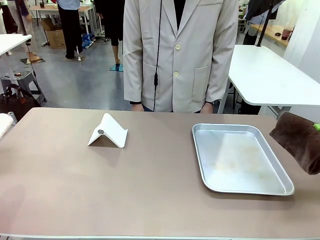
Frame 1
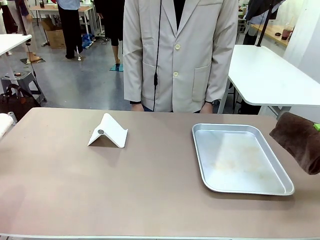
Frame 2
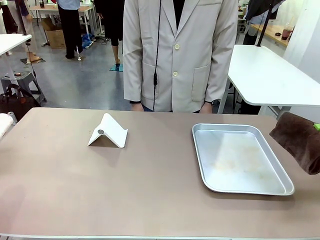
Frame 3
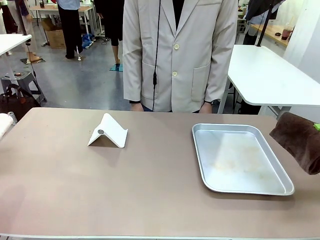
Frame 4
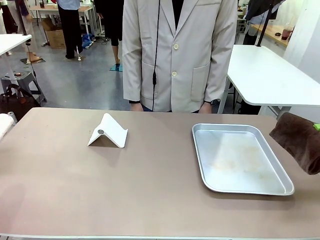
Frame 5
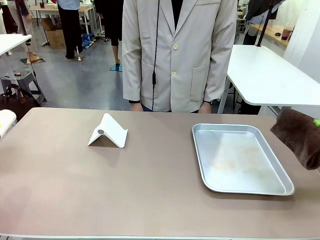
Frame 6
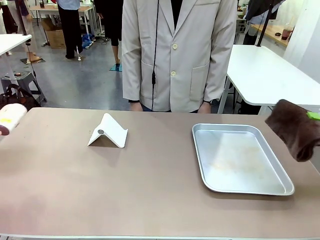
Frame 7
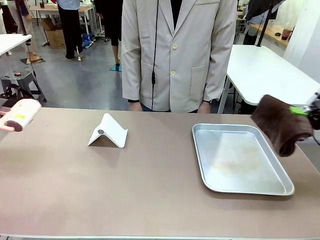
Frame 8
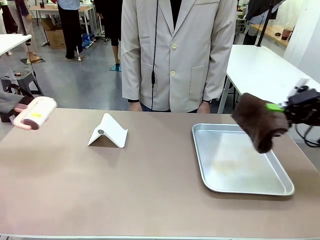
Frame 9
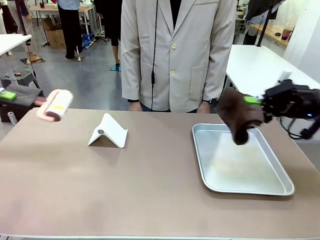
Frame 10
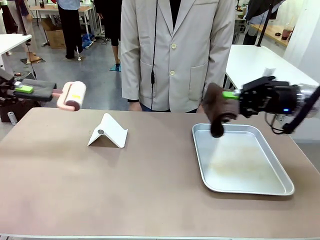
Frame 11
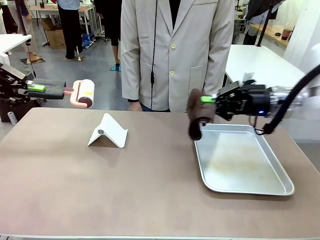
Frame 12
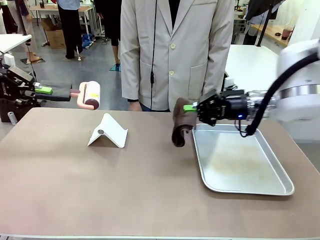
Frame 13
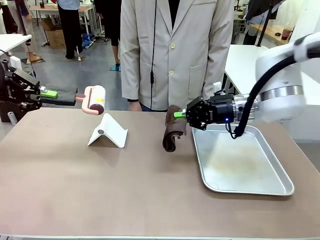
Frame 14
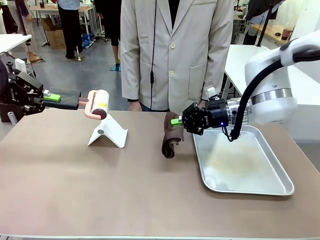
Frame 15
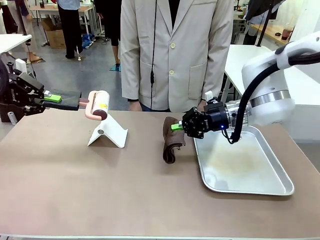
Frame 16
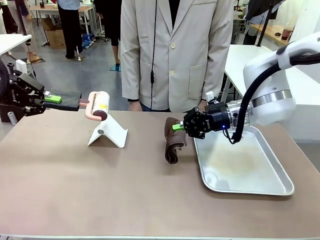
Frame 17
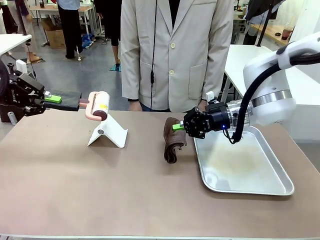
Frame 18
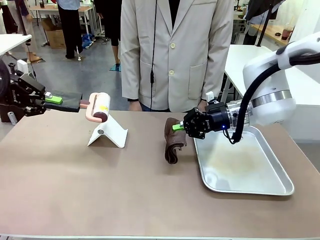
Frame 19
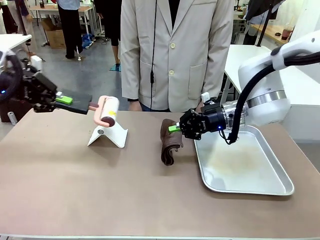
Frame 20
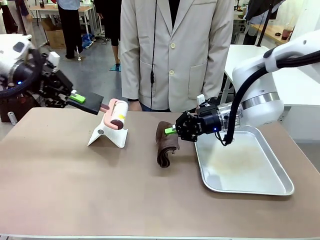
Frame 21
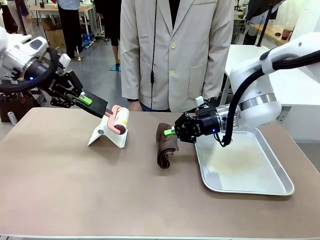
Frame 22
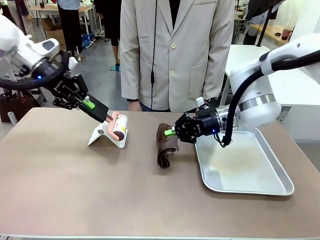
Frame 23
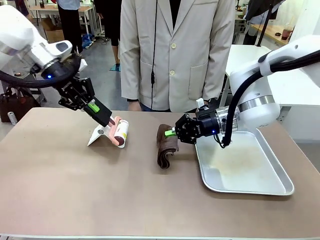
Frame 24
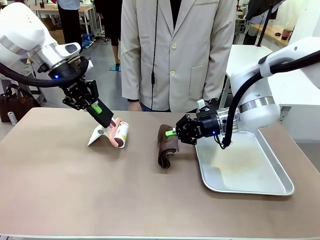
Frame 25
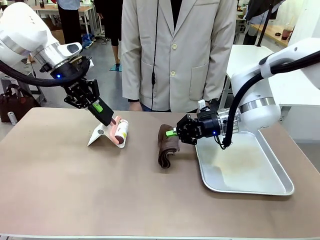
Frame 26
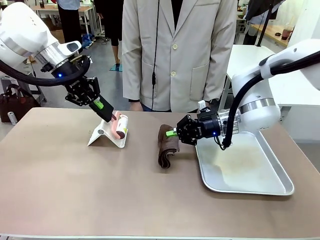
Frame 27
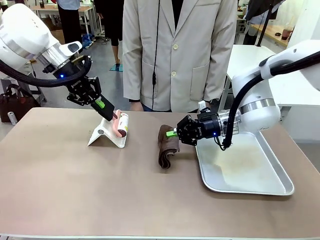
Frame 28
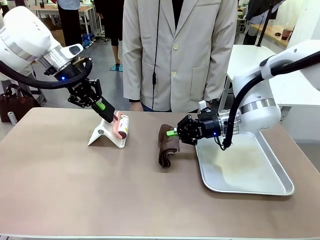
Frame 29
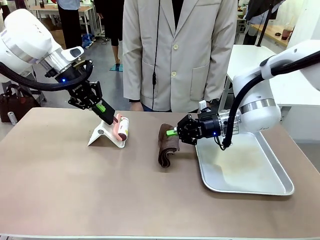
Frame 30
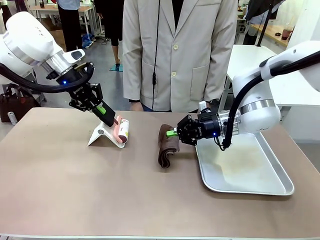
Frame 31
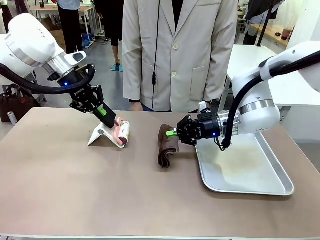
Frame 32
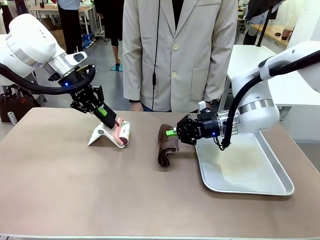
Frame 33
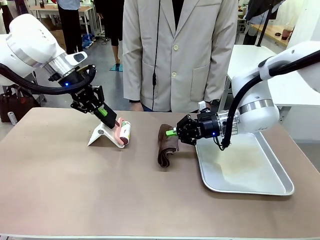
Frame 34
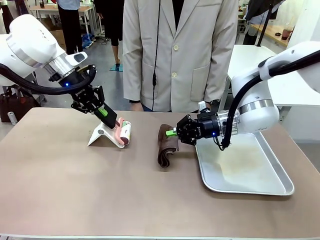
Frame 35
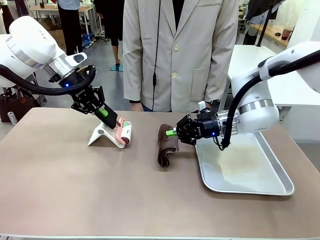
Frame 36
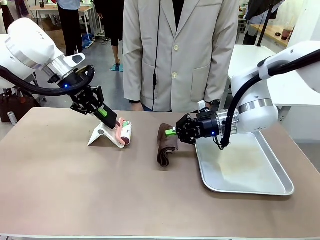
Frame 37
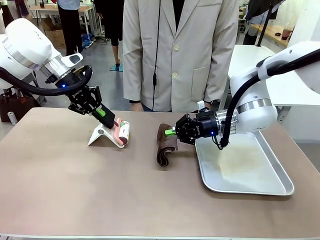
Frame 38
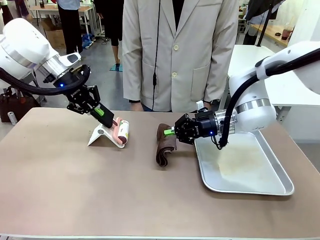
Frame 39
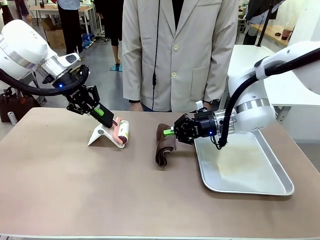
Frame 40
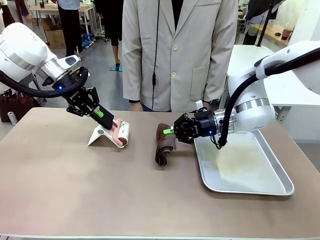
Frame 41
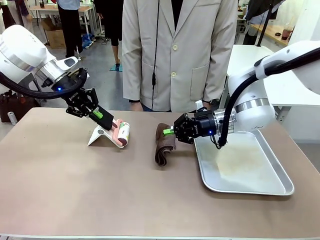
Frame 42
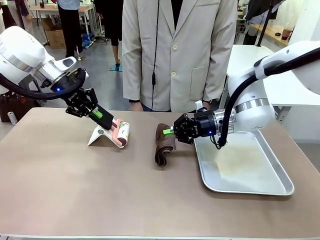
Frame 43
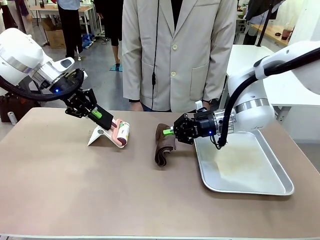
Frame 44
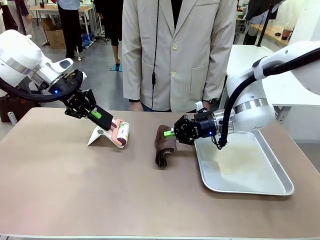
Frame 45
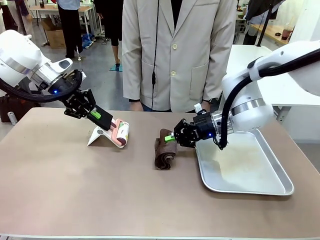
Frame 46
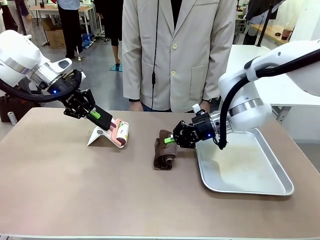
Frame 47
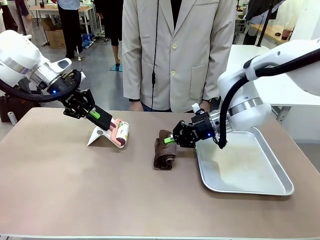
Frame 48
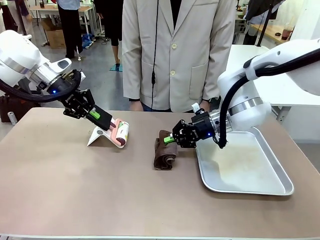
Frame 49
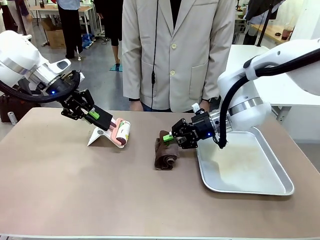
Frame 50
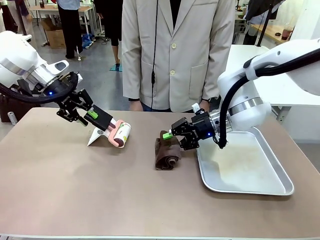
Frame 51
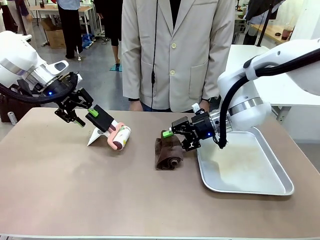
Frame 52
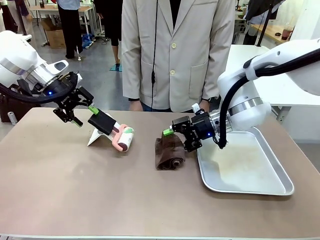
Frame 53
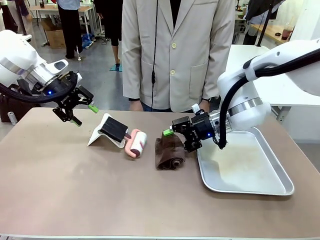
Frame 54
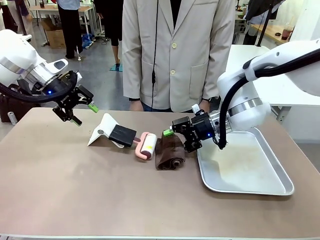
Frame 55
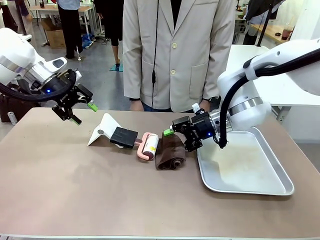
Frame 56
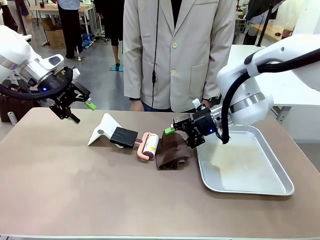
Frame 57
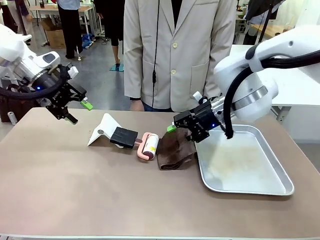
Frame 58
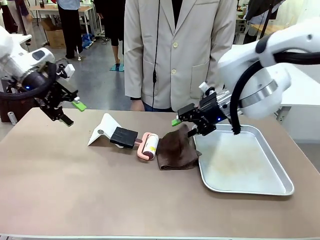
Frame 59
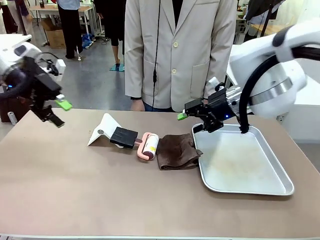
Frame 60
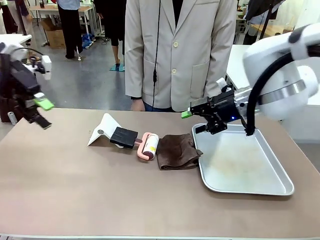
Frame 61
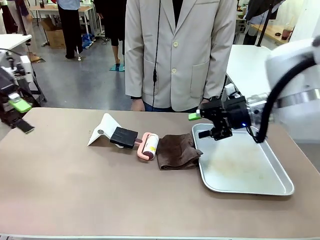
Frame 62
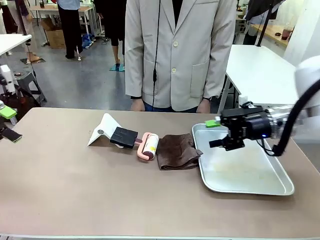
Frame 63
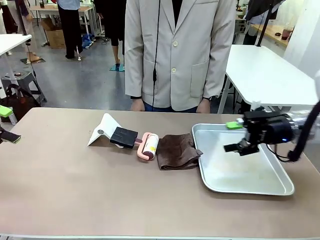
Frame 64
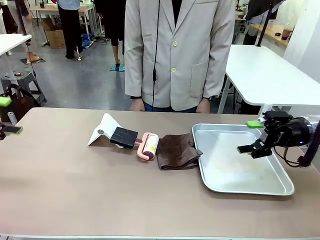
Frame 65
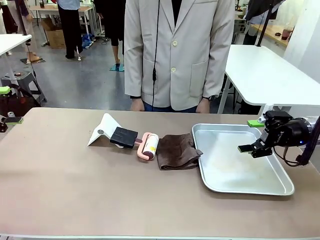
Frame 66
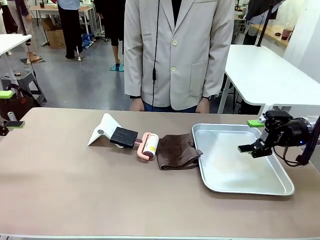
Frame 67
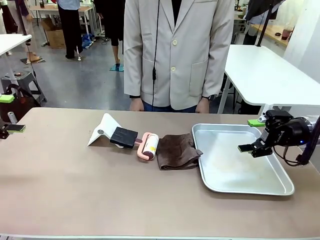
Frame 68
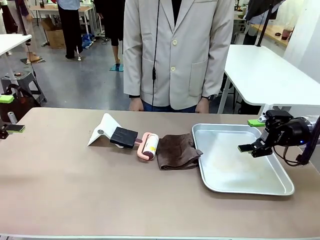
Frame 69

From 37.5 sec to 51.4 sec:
Task: Clean the surface of the table.
Robot: Return the Lint Roller and towel to their original positions.

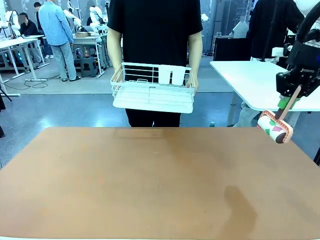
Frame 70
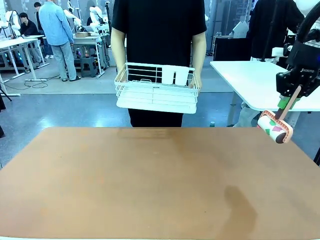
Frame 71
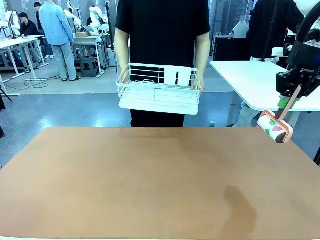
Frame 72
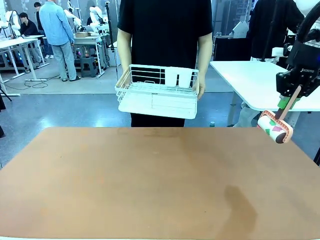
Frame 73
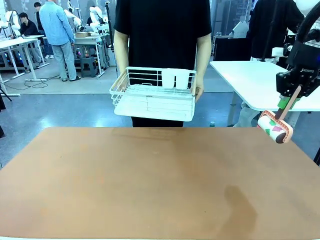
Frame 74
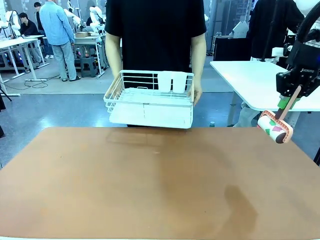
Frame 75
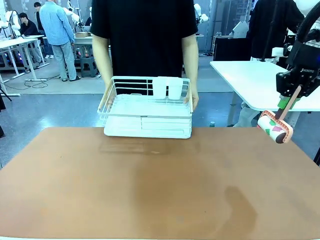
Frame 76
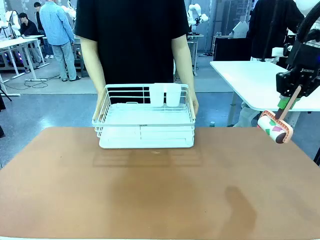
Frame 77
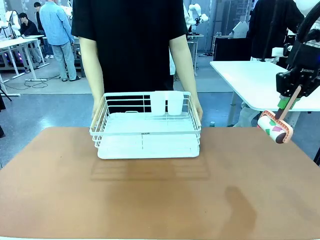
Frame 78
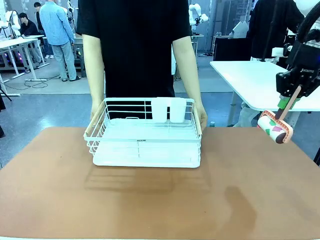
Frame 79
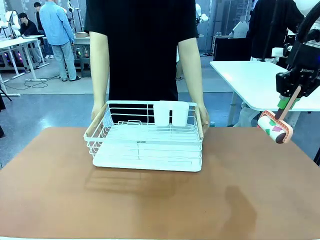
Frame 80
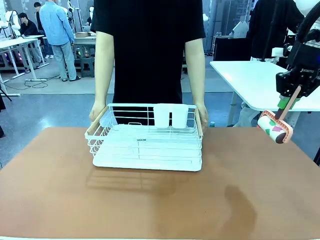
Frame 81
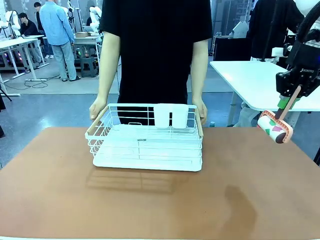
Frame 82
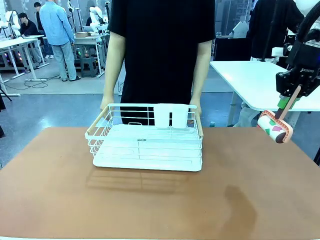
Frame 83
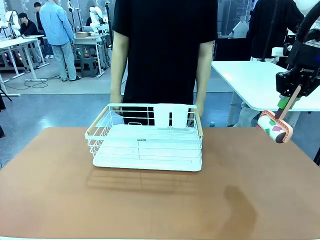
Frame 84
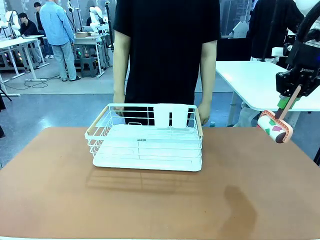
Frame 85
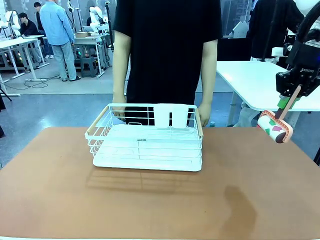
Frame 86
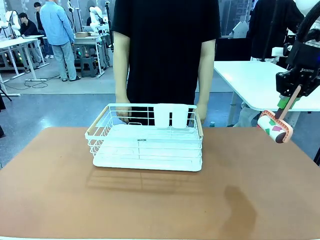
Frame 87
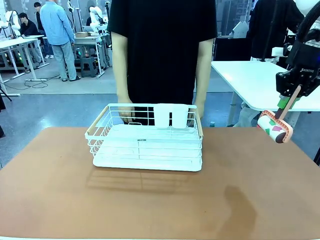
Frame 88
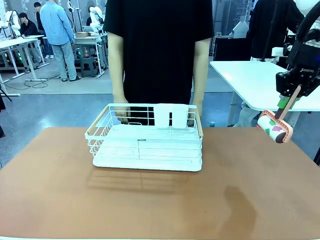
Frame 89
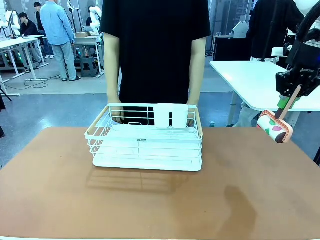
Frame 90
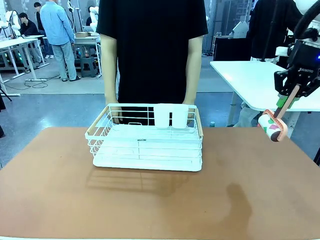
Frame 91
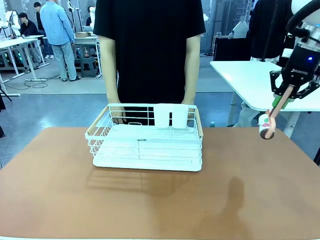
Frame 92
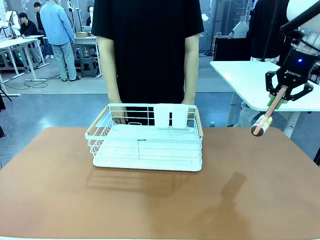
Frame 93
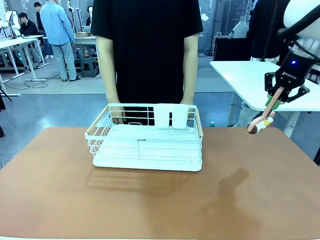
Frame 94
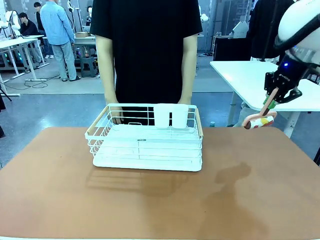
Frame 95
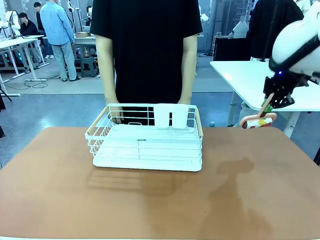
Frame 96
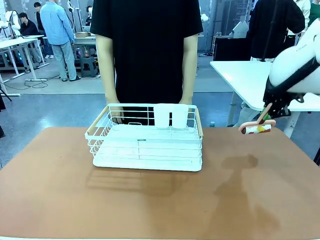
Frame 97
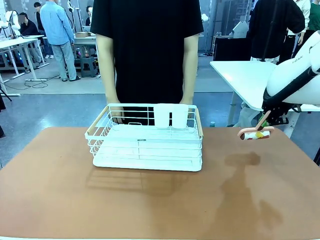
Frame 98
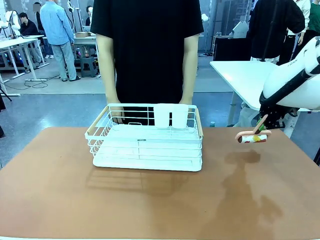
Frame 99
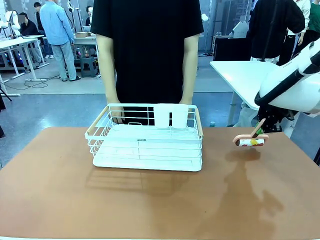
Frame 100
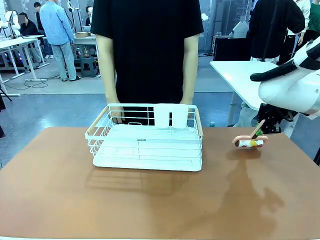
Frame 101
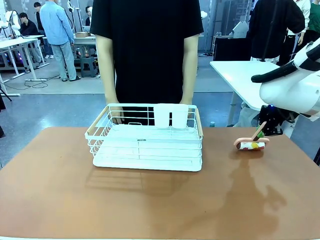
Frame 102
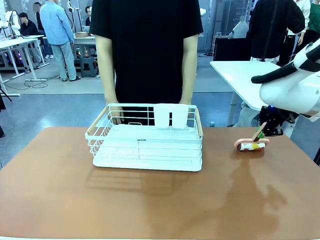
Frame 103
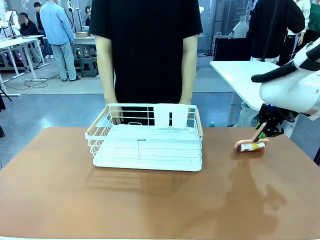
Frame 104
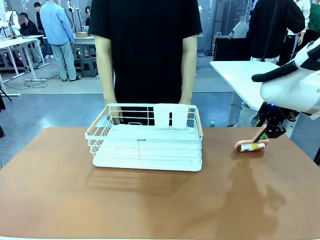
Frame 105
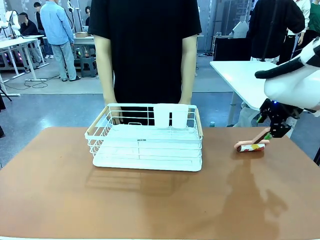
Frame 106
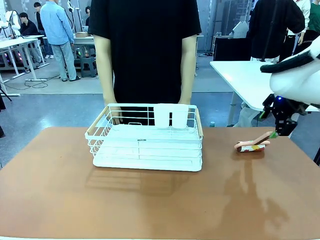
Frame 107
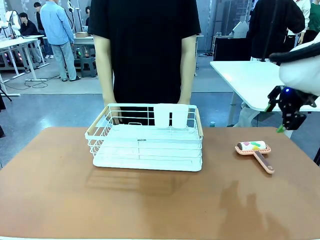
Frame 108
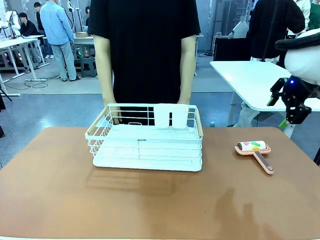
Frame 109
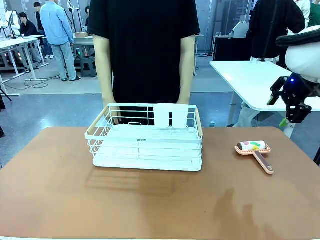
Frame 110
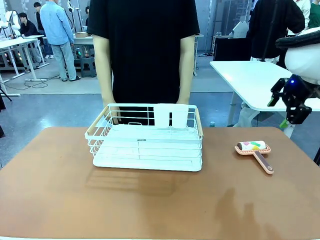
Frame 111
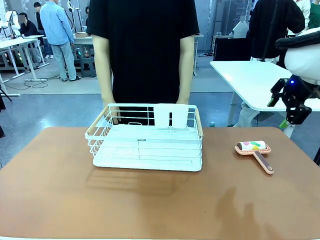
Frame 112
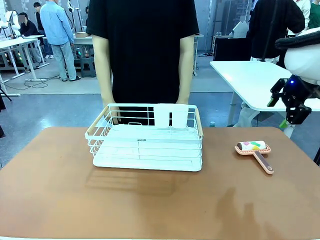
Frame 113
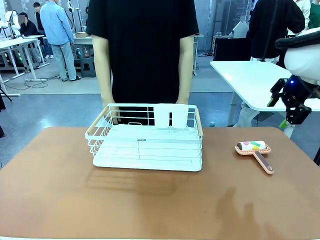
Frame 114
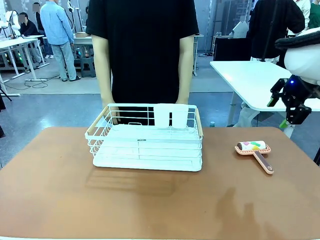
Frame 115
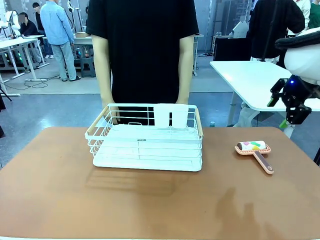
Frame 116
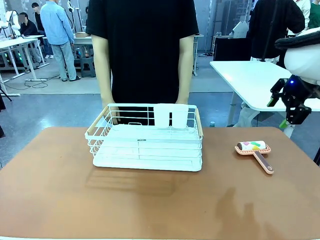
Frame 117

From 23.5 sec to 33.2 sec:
Task: Clean the table.
Robot: Place the Lint Roller down when the Dish drying rack is positioned in the middle of the table.
Person: Place the Dish drying rack down when the robot finishes cleaning.
